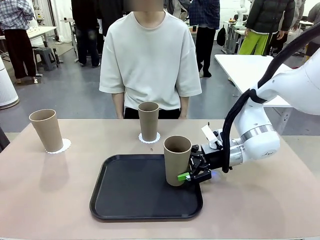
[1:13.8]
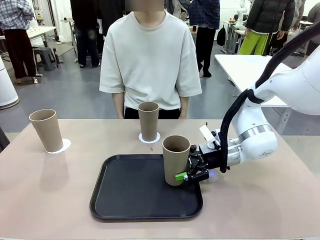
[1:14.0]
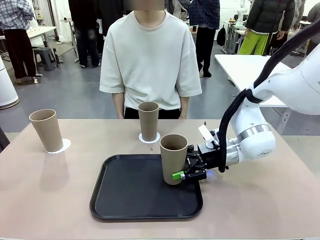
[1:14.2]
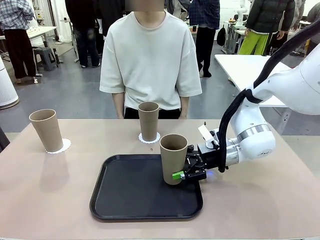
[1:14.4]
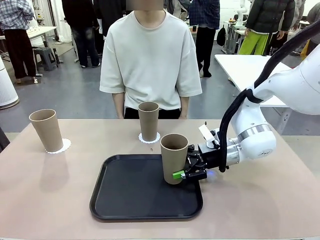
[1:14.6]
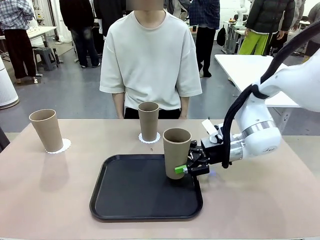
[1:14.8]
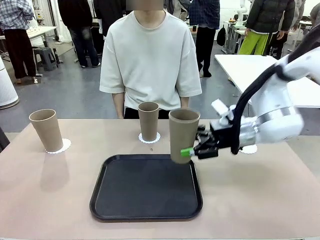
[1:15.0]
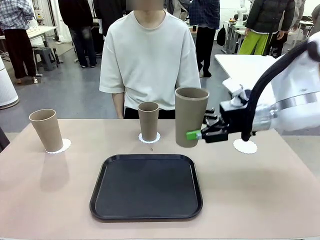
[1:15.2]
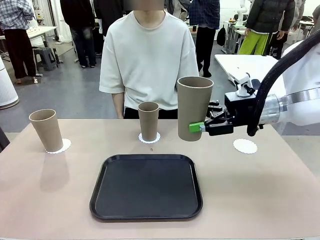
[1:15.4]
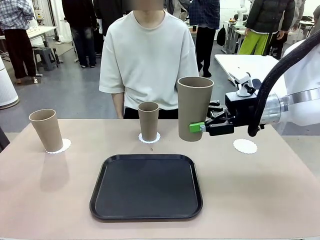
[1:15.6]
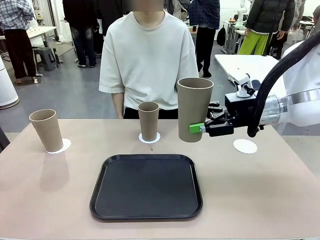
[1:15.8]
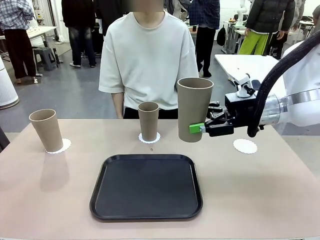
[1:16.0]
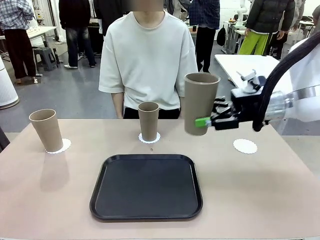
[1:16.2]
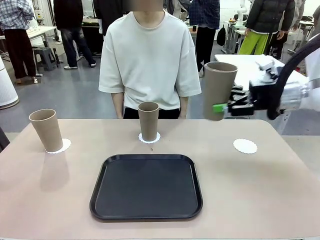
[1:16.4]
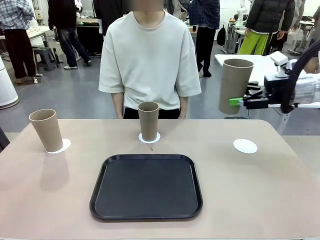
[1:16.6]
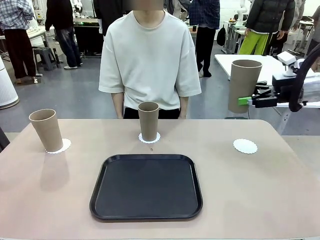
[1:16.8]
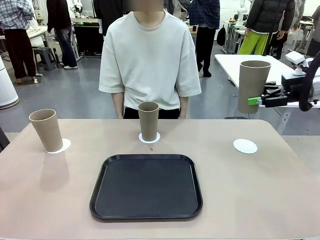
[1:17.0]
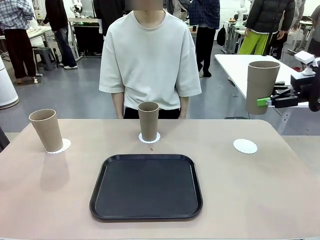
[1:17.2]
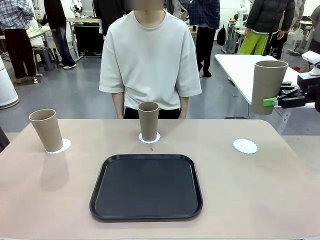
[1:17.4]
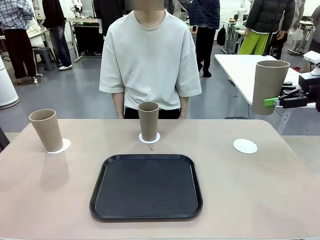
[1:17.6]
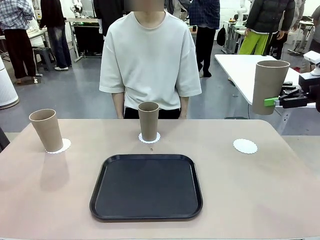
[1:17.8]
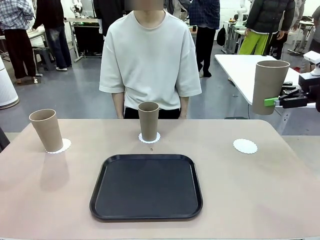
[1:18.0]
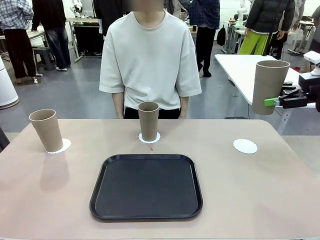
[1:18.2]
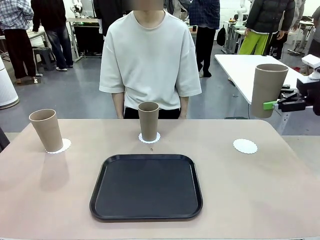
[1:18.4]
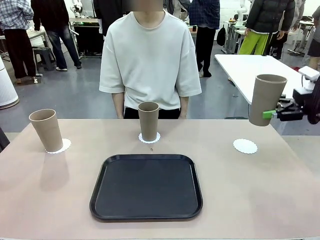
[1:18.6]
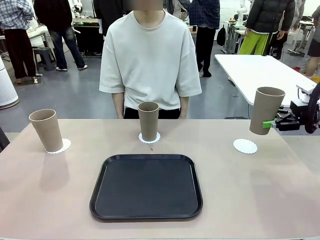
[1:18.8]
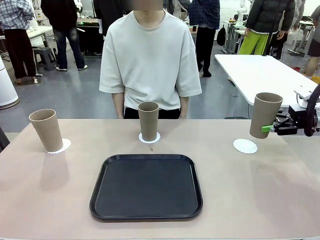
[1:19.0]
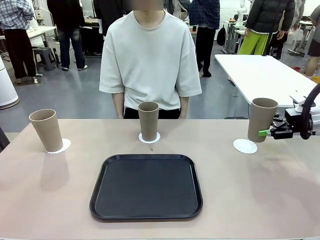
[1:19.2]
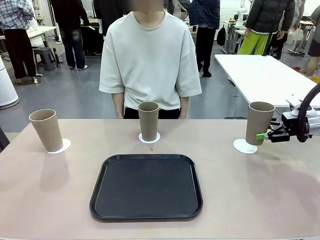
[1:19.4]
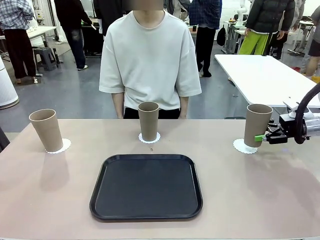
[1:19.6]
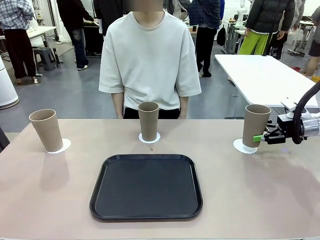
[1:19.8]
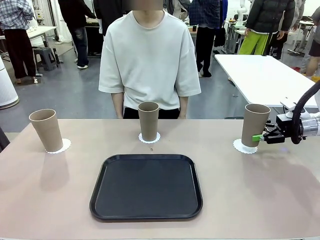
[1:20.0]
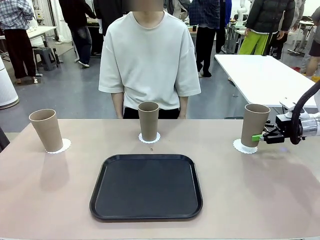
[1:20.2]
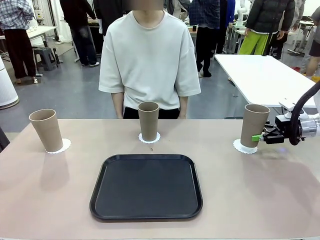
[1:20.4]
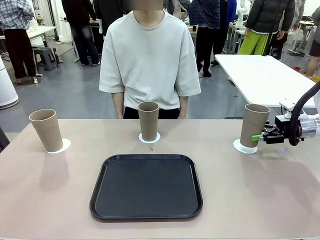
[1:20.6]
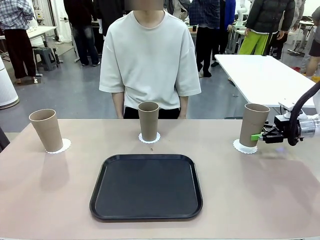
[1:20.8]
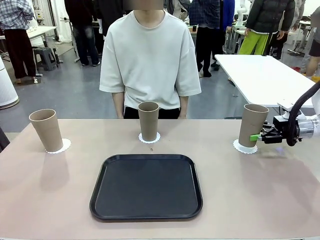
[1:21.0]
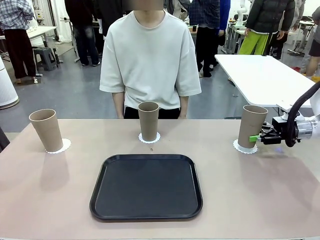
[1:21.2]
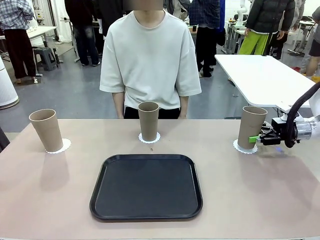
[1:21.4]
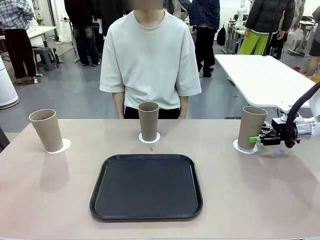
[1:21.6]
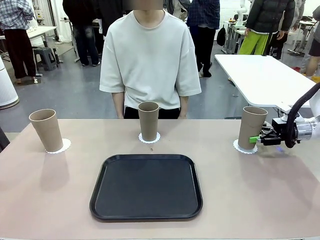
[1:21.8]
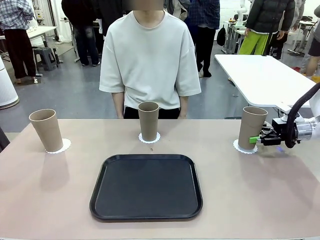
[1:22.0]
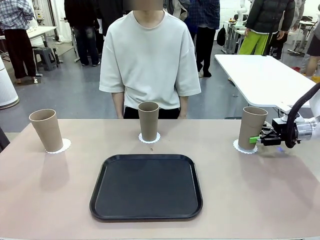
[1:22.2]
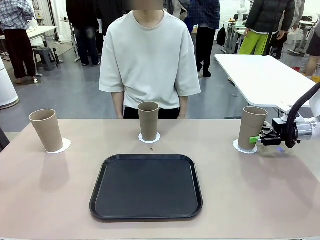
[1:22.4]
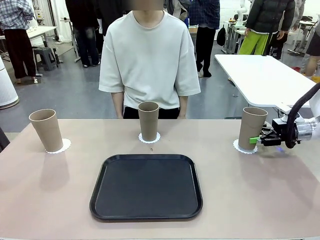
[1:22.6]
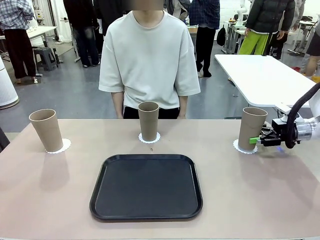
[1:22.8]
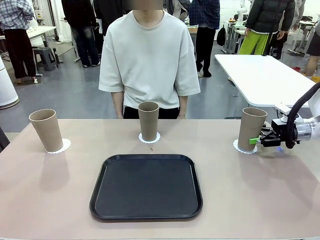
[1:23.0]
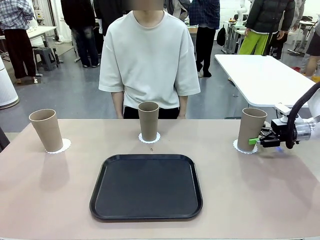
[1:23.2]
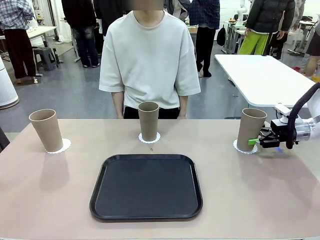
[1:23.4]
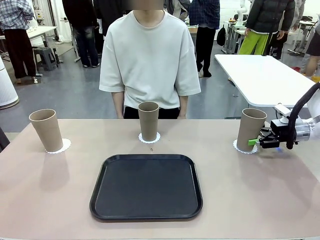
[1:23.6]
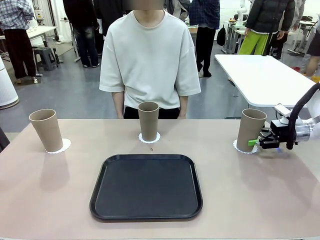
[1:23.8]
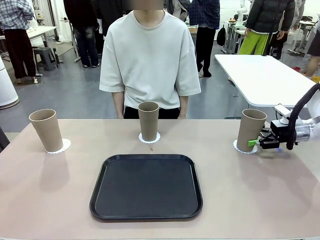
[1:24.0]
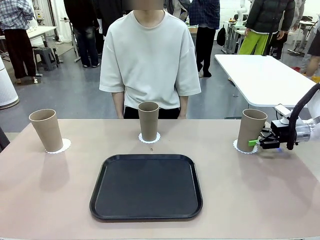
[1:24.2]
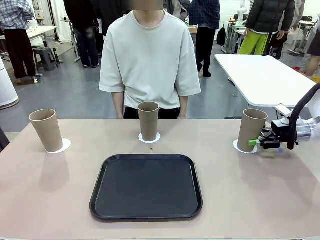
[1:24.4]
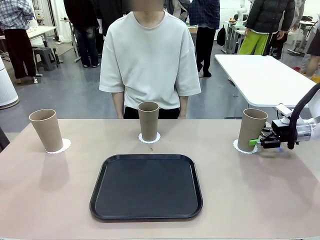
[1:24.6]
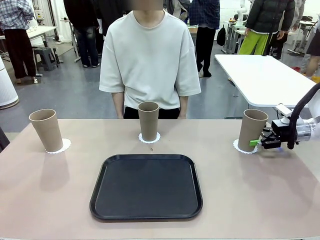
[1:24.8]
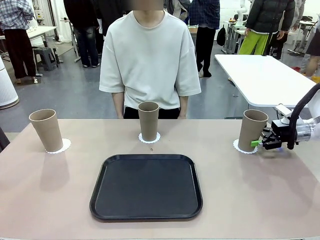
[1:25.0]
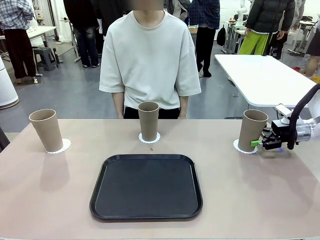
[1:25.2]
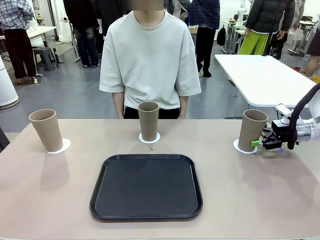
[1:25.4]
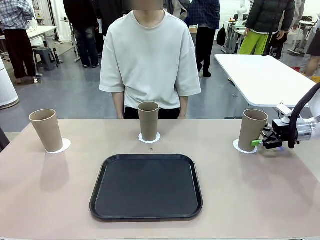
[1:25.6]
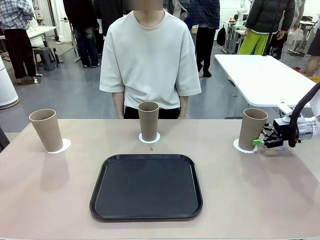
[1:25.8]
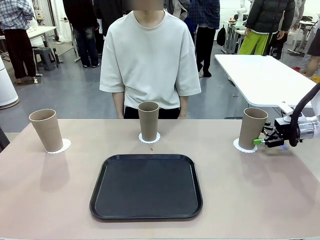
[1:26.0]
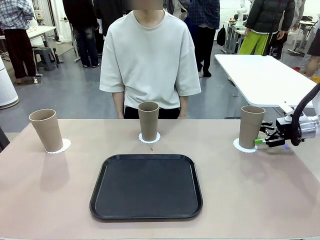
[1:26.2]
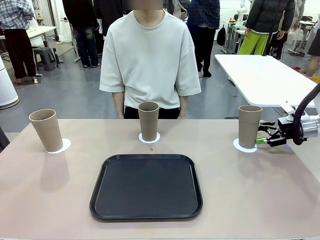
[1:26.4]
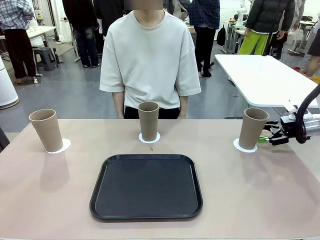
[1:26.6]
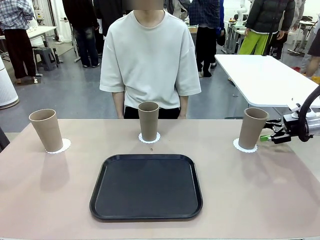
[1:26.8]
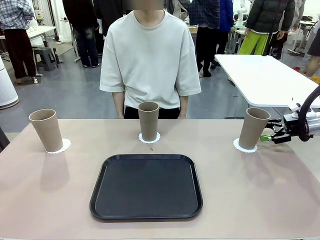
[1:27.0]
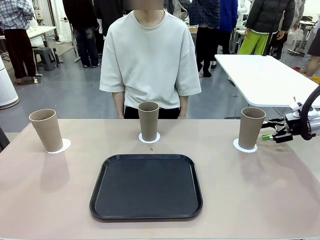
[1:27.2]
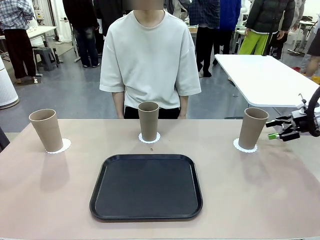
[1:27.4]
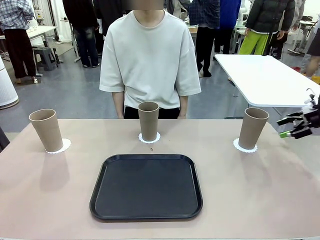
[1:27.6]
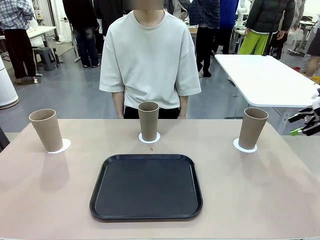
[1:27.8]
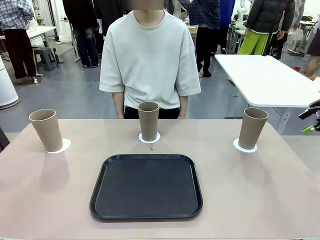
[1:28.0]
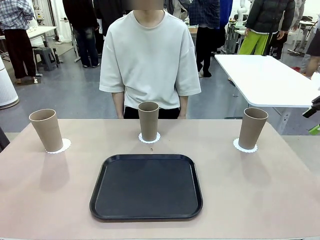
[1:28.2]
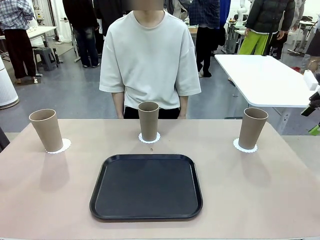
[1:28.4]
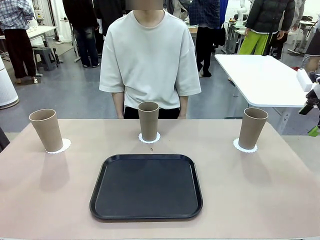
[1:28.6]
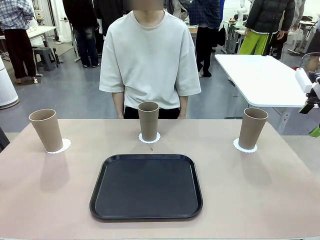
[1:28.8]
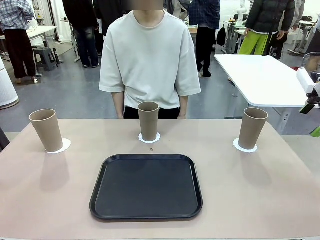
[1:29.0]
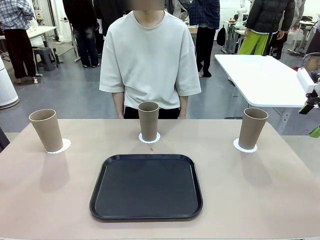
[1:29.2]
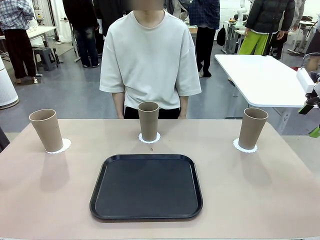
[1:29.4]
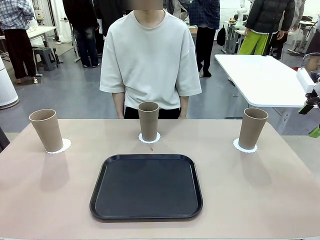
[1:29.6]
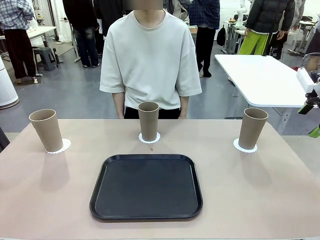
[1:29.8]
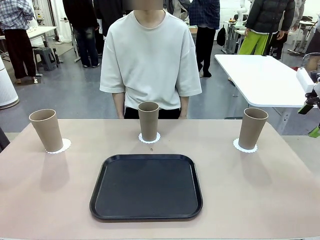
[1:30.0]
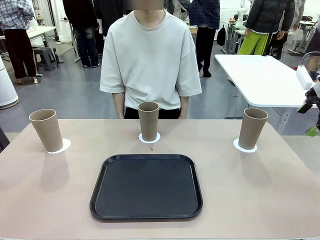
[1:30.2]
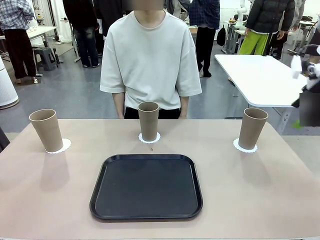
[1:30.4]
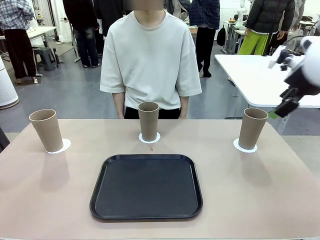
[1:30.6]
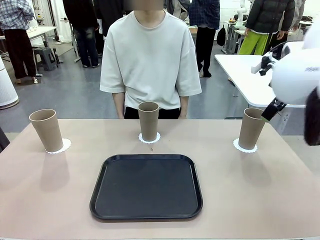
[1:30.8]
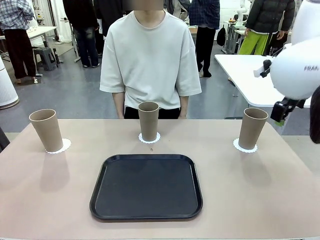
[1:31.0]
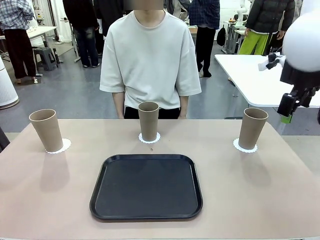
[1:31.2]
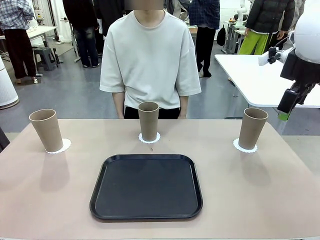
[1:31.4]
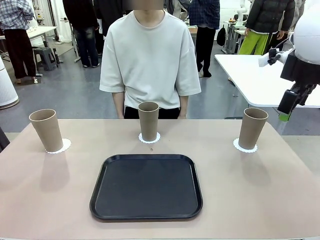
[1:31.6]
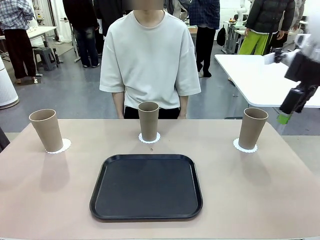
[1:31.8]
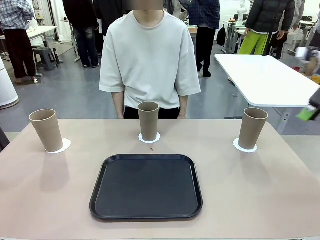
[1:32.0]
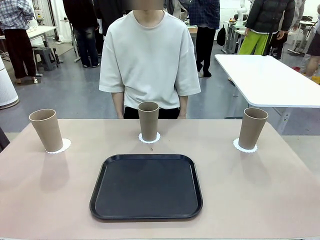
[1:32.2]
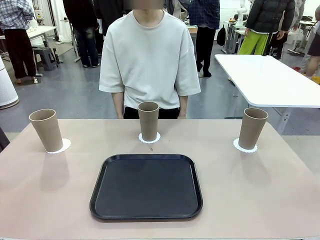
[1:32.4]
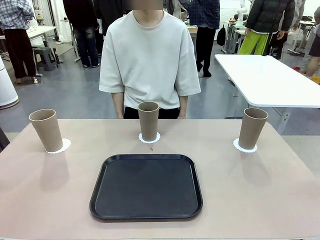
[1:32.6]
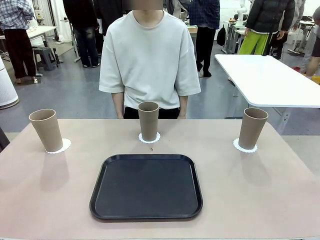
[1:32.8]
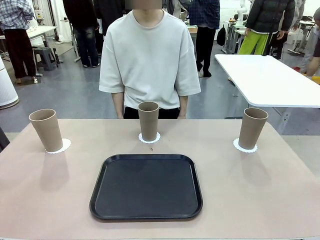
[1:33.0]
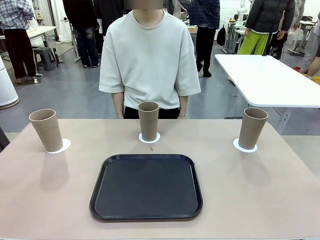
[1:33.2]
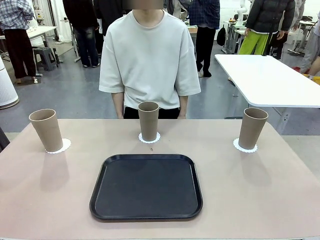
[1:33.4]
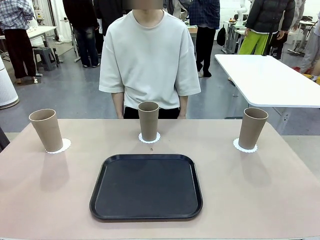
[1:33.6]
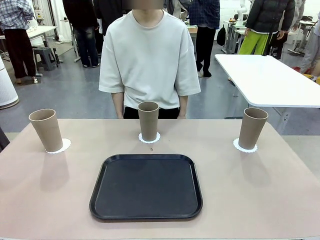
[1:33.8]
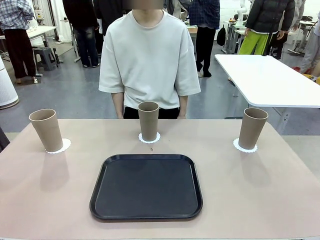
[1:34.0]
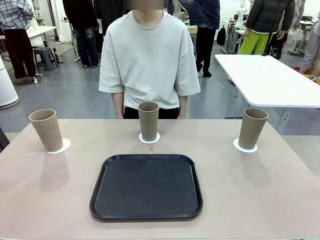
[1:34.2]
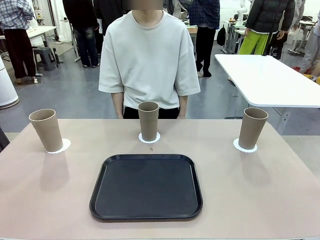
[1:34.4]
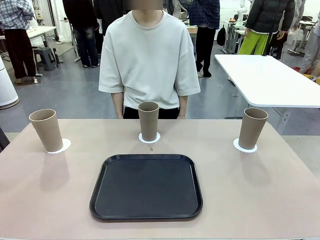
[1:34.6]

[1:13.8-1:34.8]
Task: Place coasters on the table and set cups on them.
Robot: Take one Reusable plastic cup from the Flat Tray and place it on a coaster set by the human.
